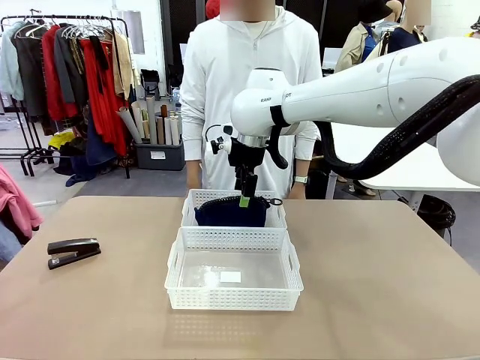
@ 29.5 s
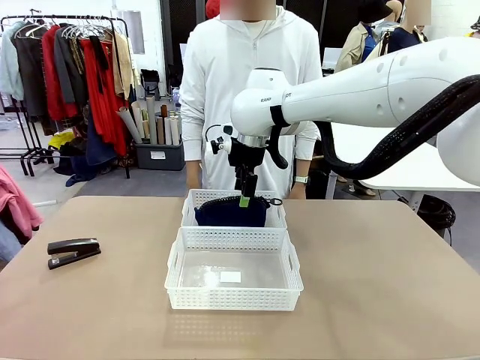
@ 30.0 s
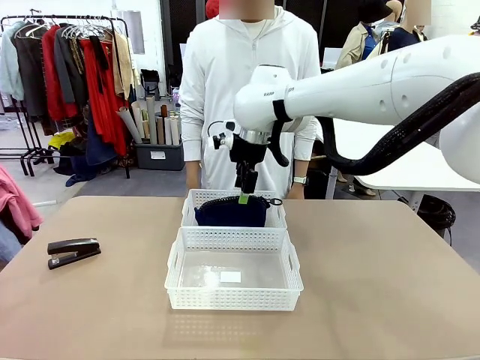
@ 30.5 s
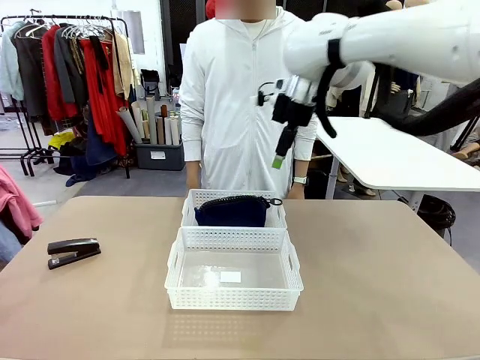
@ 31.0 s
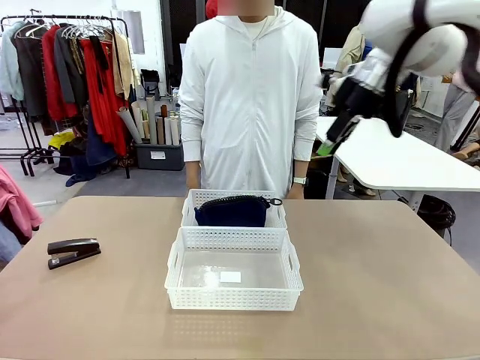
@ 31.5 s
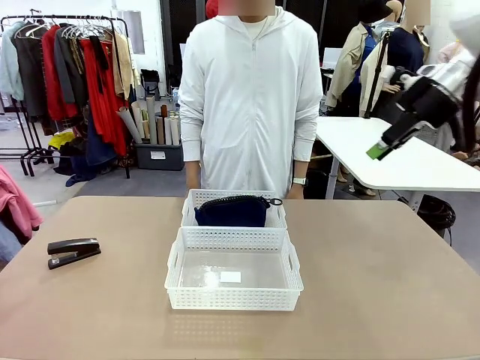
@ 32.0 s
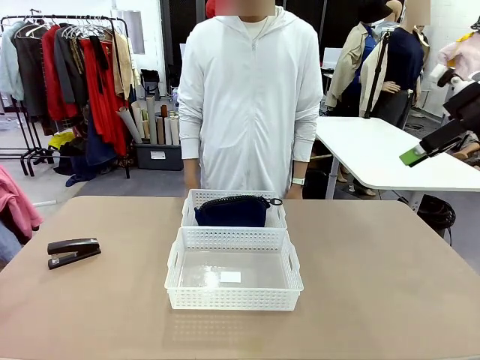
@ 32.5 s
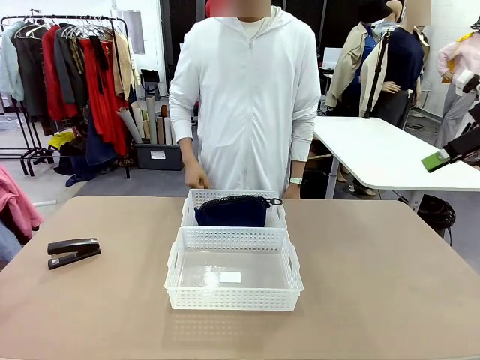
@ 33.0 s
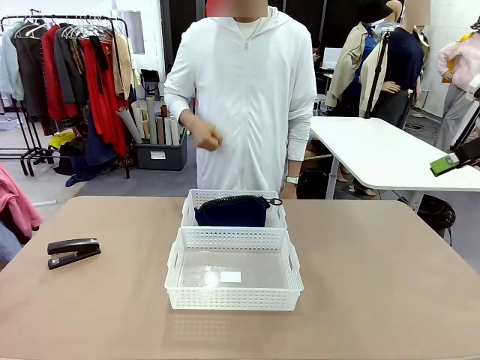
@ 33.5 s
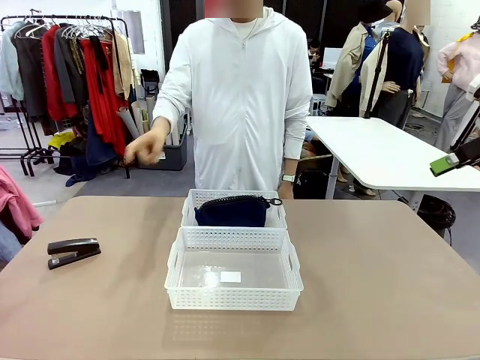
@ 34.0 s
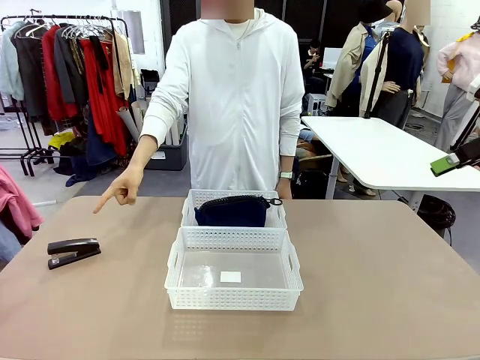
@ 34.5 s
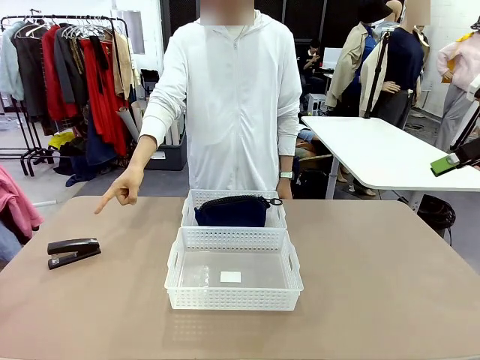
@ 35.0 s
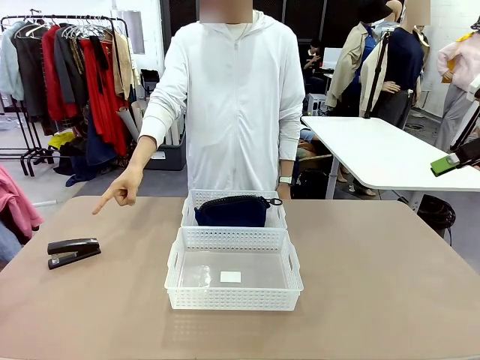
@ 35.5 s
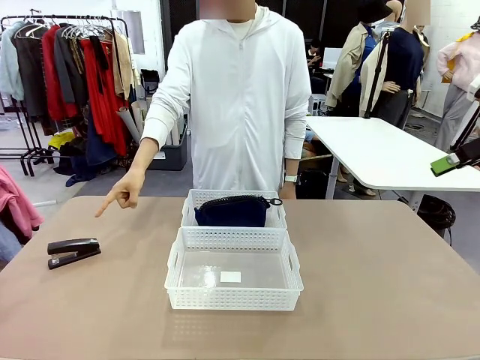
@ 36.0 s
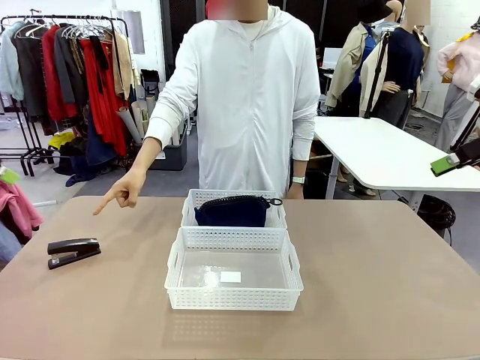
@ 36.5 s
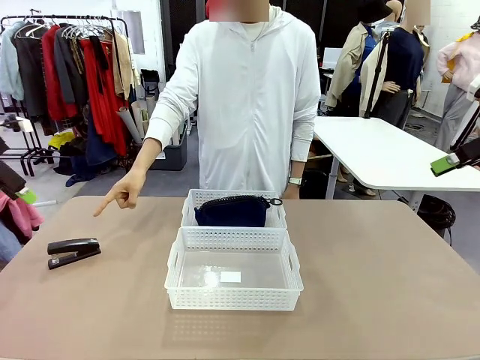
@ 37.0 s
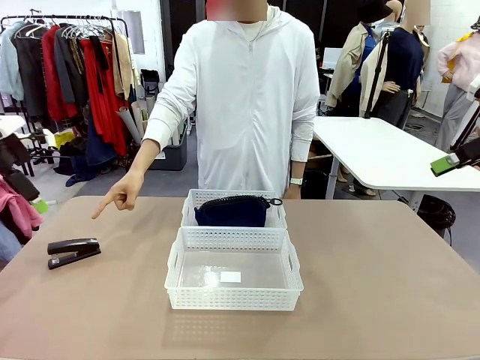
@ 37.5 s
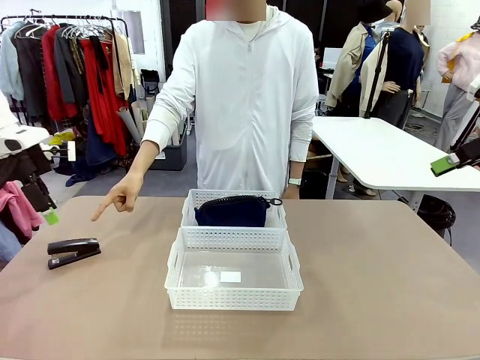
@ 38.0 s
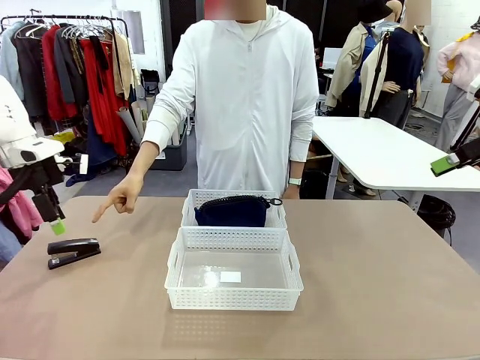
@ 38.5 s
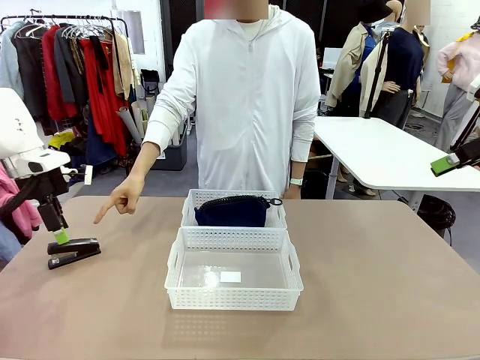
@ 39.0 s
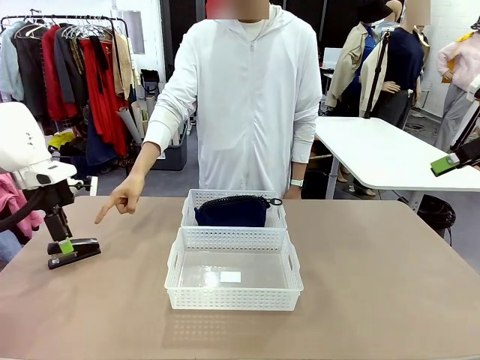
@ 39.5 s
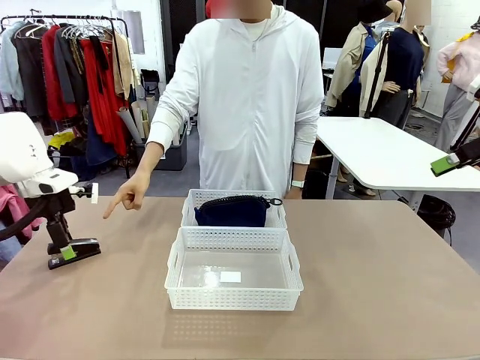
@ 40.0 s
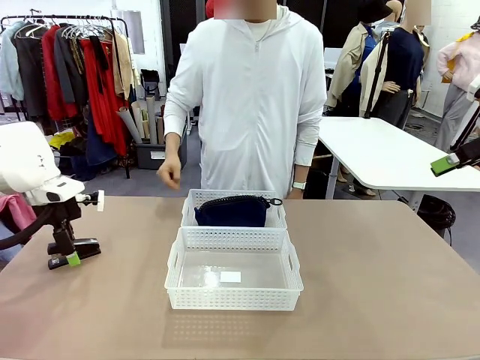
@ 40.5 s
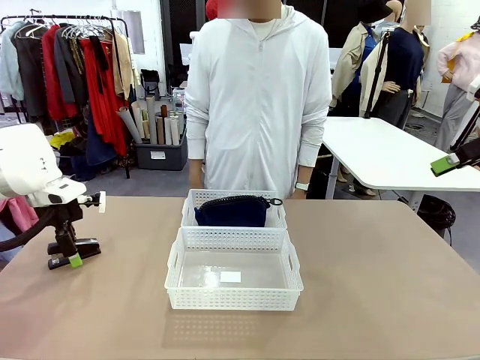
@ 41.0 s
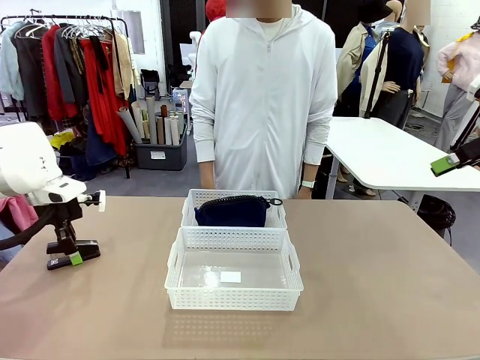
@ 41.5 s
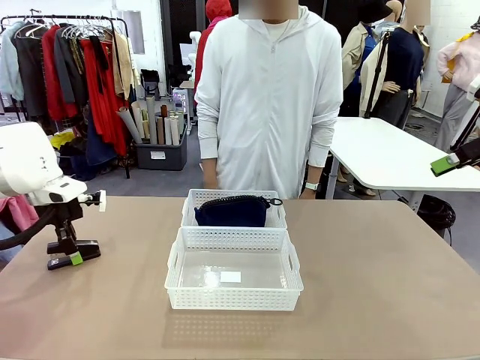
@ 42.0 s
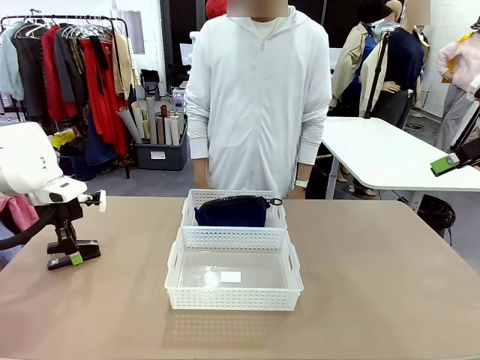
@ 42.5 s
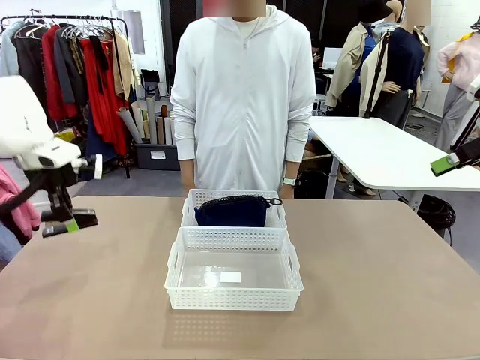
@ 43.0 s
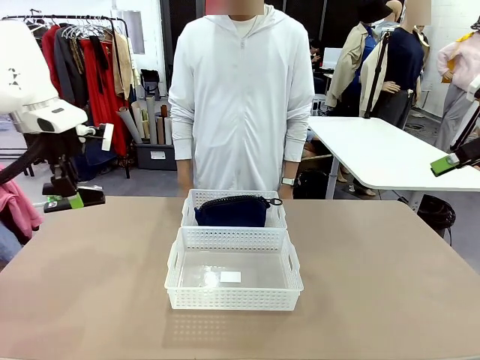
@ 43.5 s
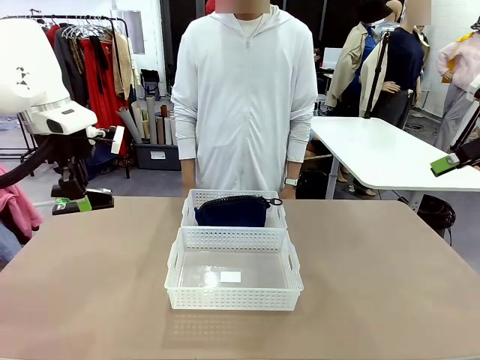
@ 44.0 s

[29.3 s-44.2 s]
Task: Distribute items into two baskets.
Robot: Pick up the Stapler that the person points to.

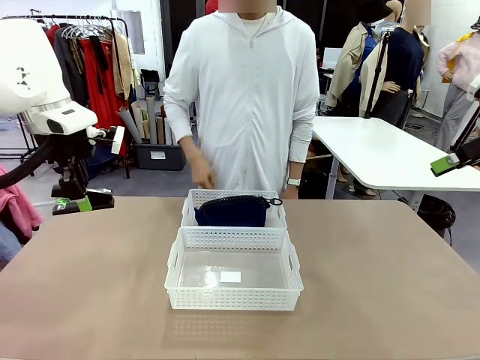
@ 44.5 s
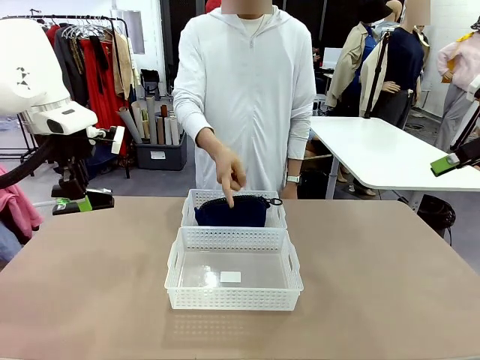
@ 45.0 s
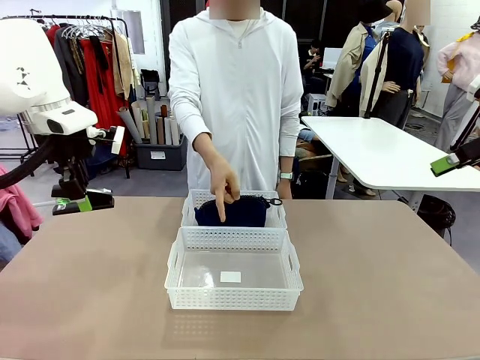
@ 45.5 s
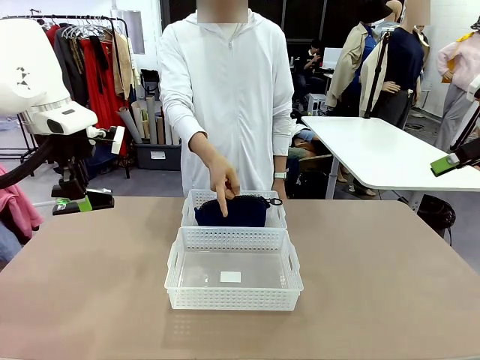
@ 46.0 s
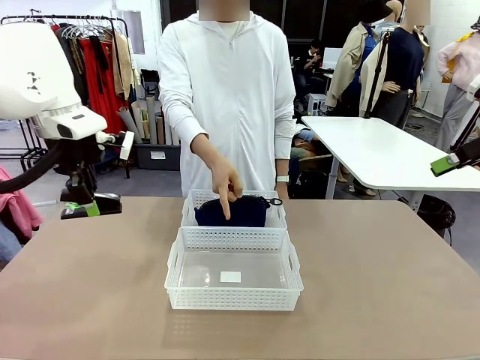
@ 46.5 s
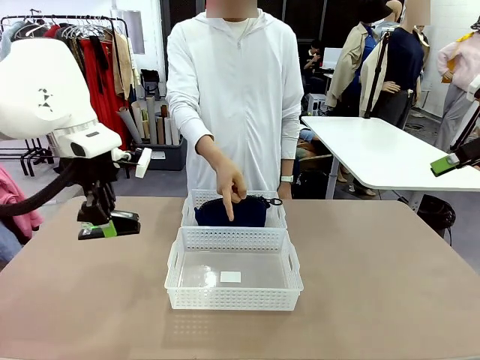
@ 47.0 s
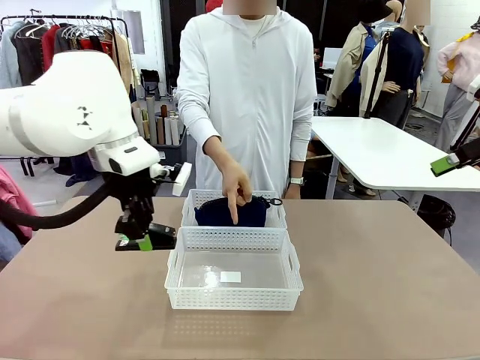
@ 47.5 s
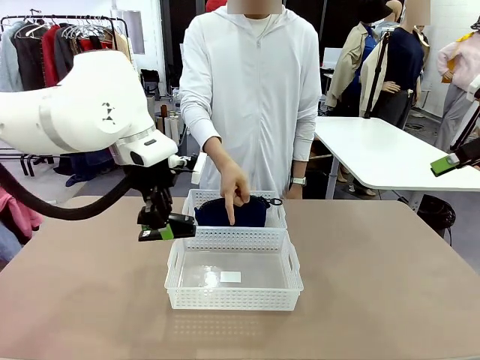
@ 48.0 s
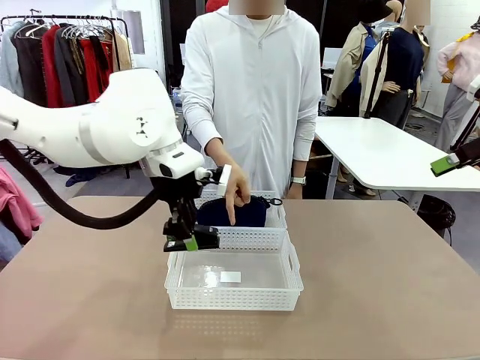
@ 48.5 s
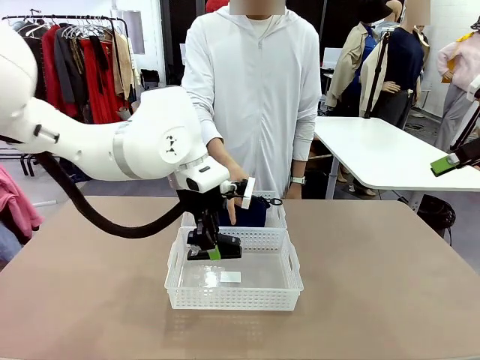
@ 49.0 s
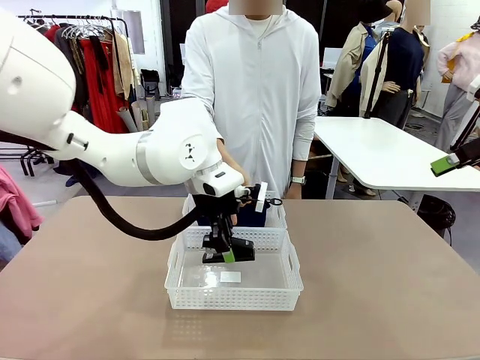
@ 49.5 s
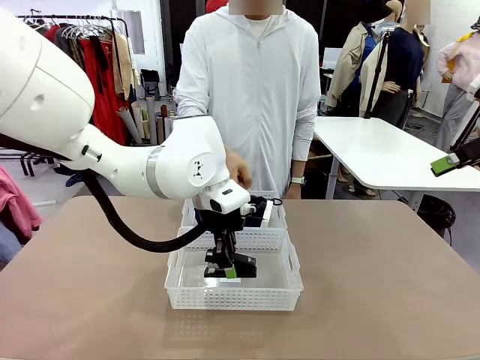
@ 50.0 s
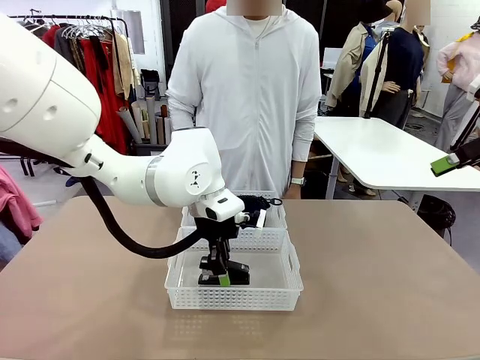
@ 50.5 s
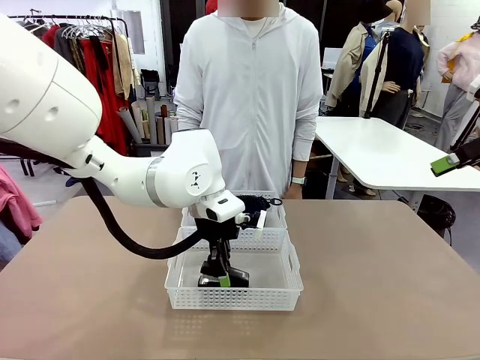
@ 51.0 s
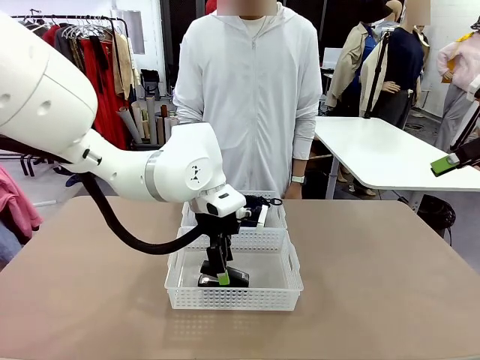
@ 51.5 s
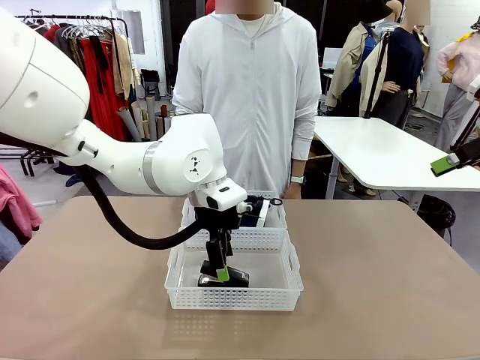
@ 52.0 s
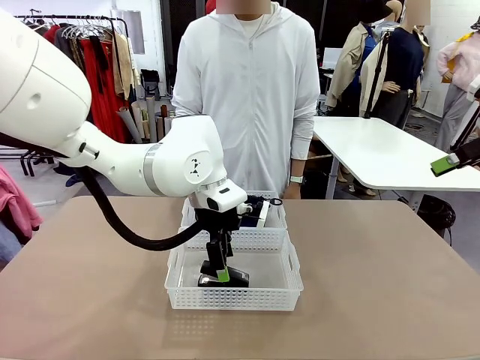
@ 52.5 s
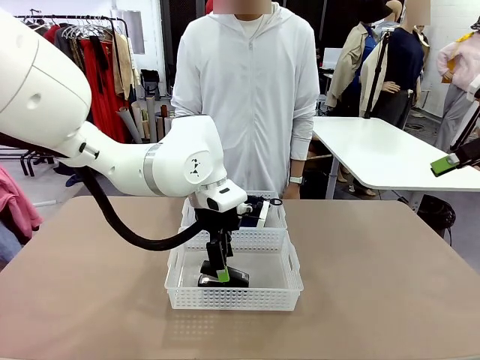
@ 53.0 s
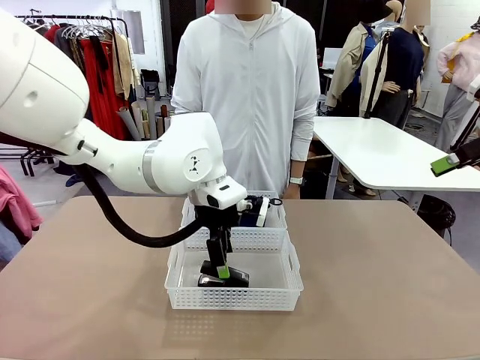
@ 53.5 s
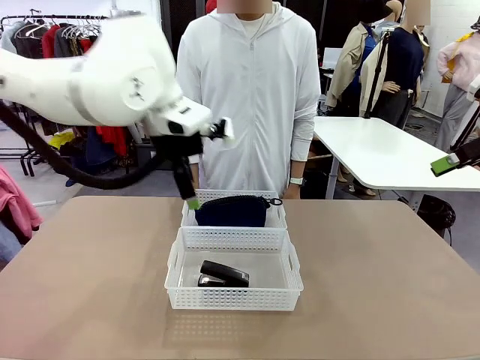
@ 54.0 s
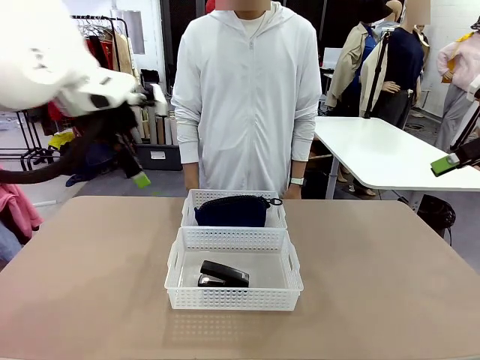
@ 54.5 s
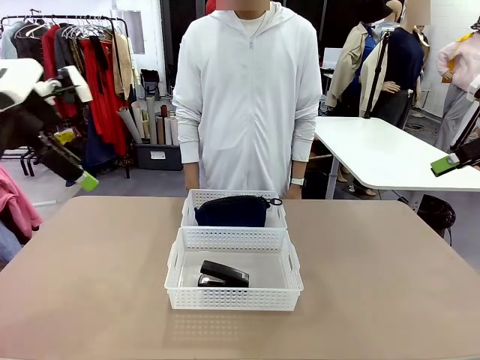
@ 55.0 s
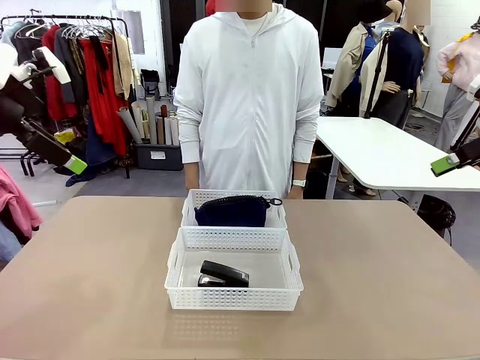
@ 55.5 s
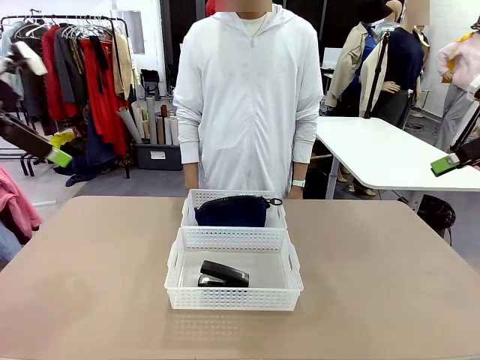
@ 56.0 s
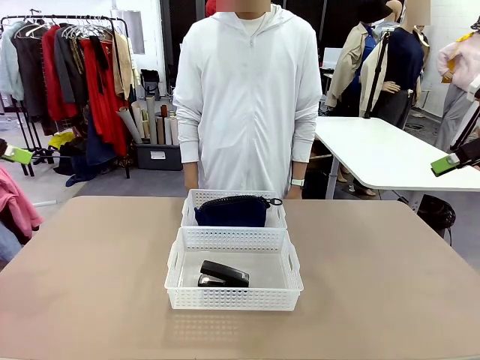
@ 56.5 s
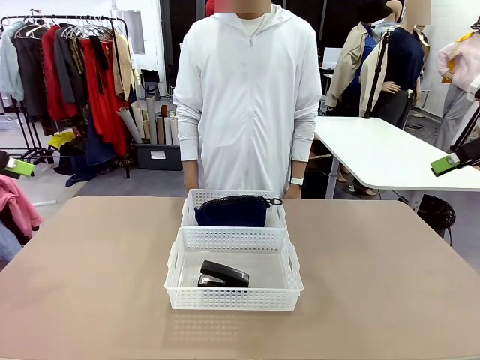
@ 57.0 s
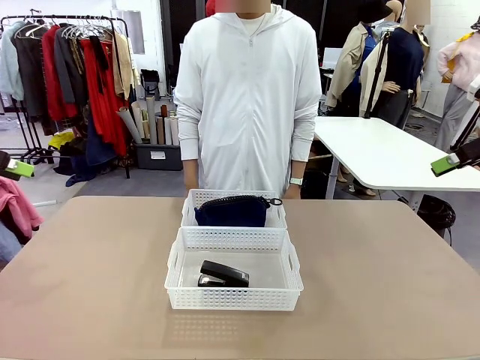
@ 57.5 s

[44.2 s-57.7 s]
Robot: Place the picked Stapler into the Organizing basket as instructed by the person.
Person: Points to the basket that does not contain the pencil case and instructs the robot to move the stapler there.
